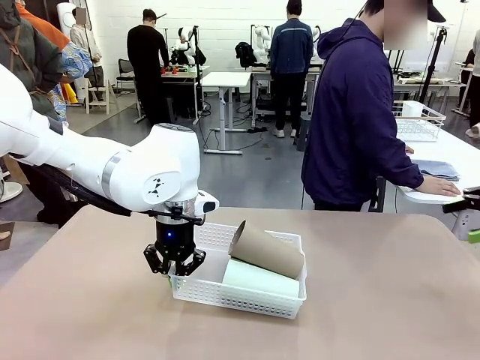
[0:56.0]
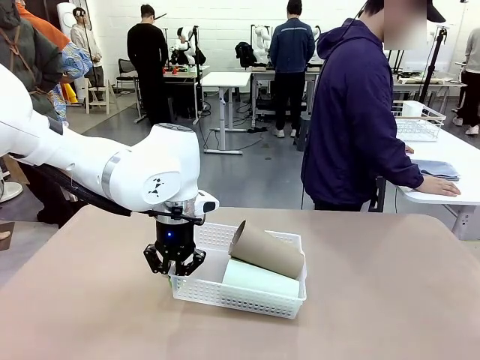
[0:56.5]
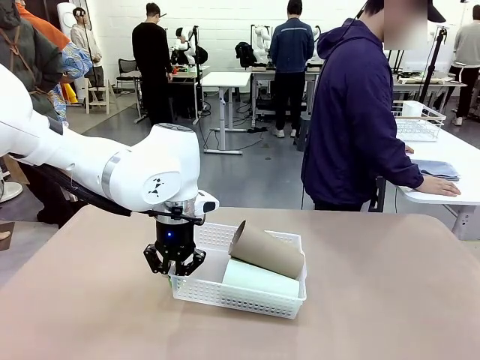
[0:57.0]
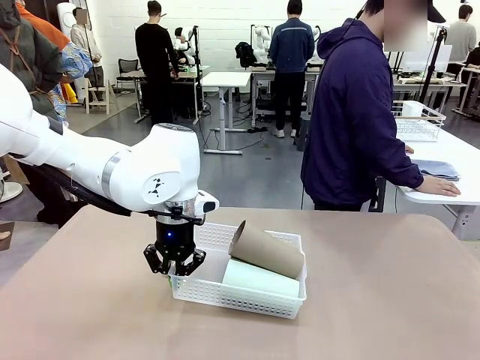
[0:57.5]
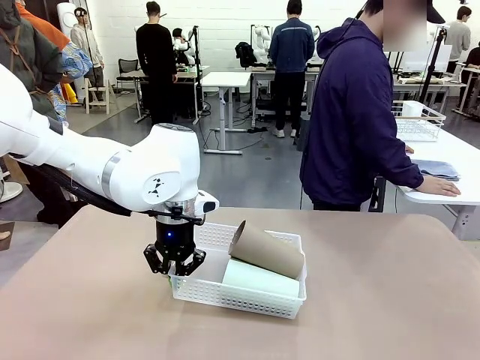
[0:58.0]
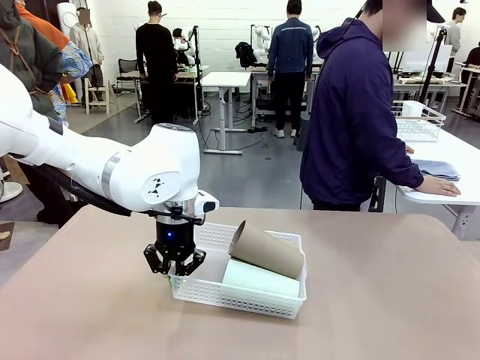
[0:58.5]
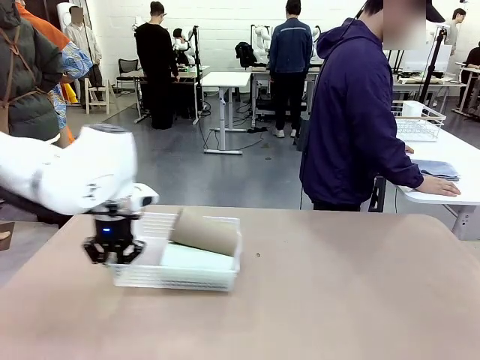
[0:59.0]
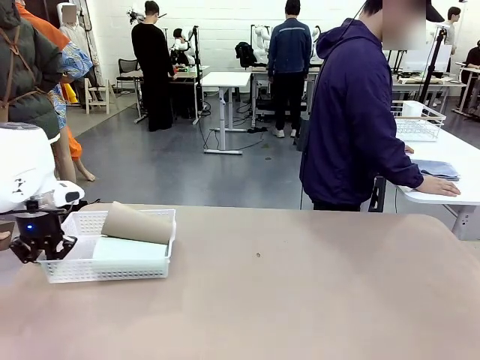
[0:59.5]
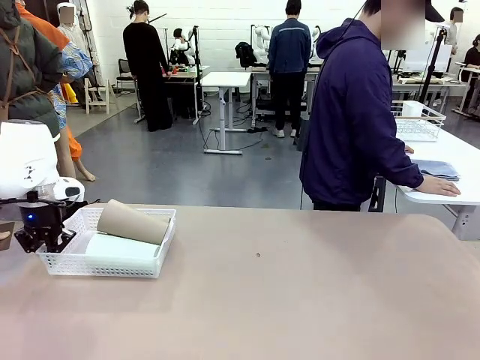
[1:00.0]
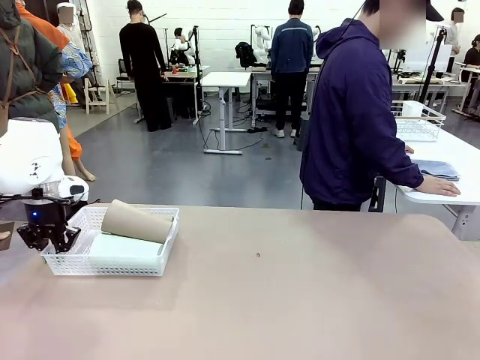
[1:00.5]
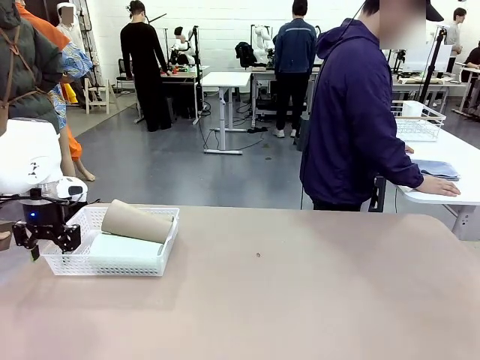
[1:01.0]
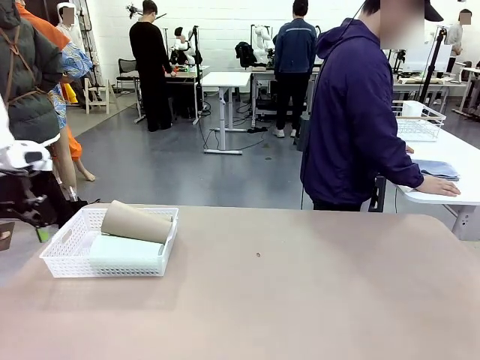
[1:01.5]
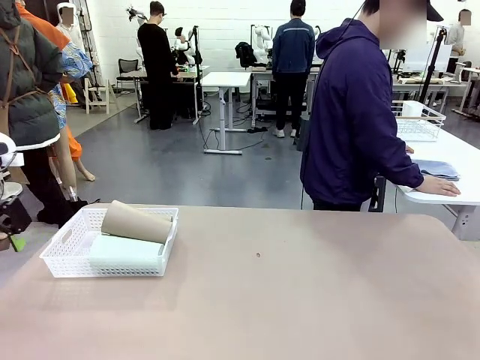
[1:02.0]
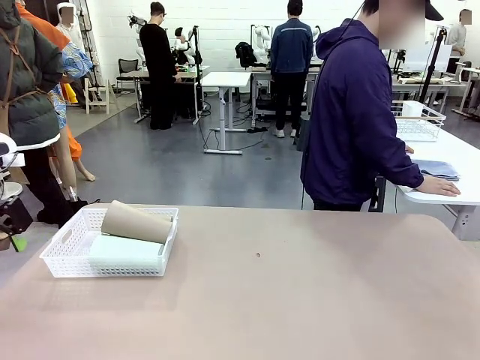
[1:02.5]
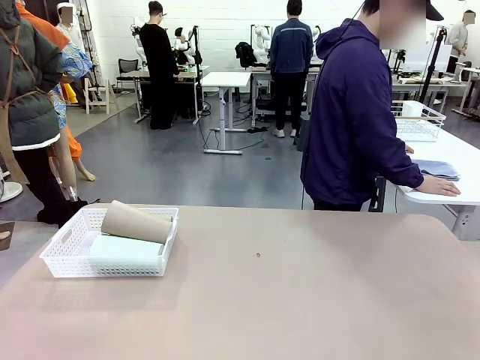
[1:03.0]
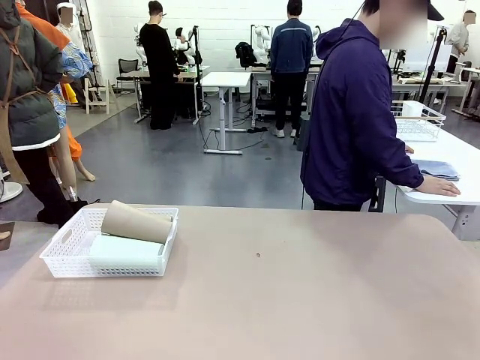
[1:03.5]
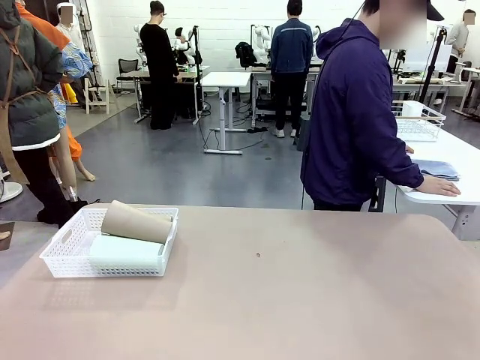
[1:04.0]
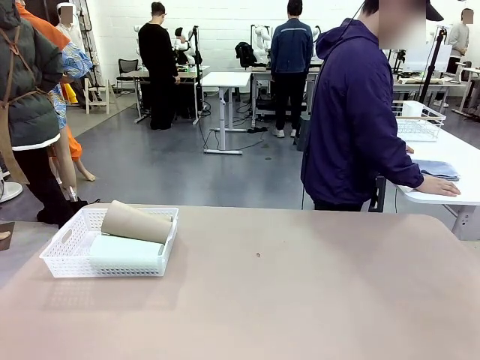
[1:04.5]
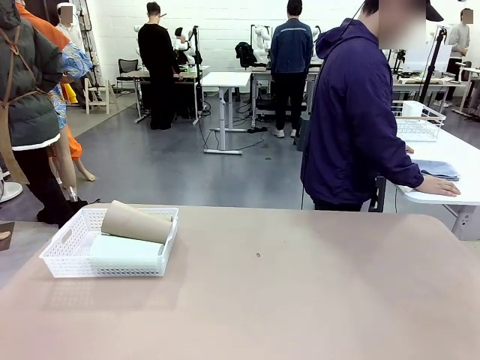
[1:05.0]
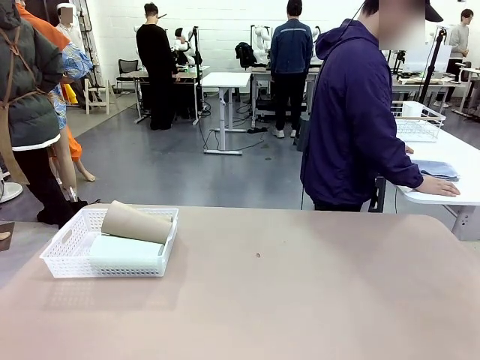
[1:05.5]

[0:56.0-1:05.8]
Task: Clean and organize the cups into the basket.
Robot: Move the Organizing basket back to the left side of the table.

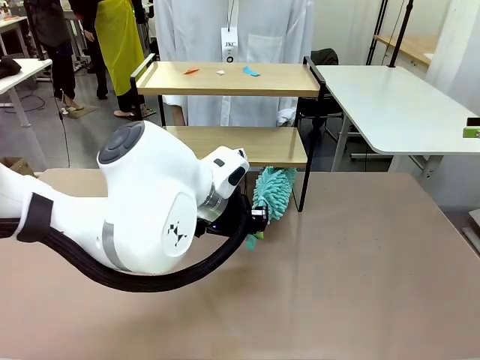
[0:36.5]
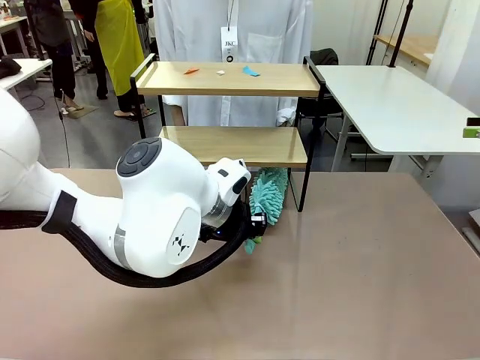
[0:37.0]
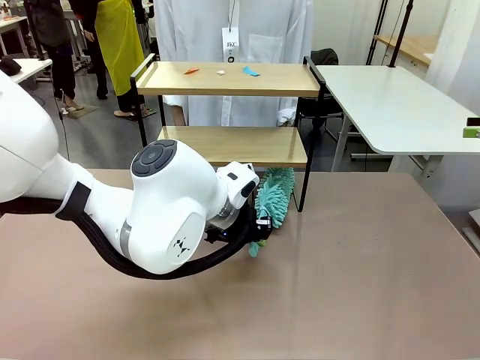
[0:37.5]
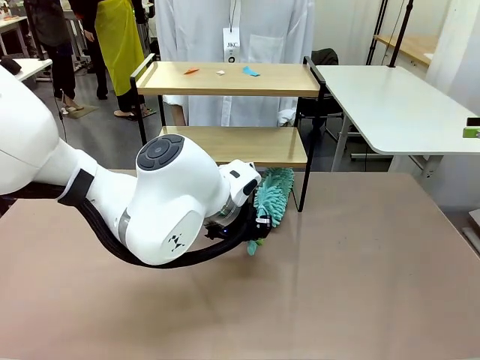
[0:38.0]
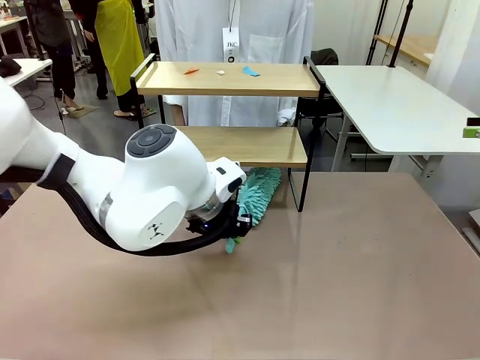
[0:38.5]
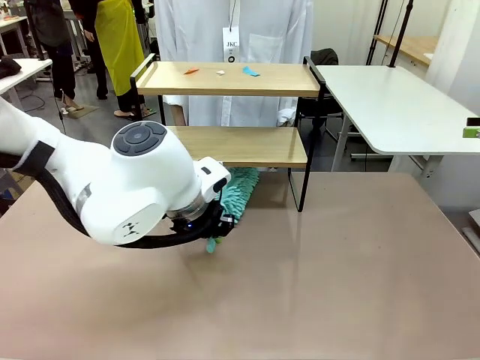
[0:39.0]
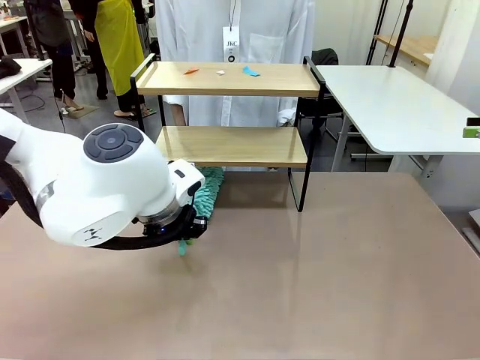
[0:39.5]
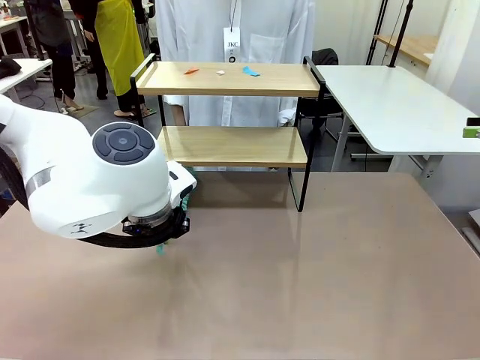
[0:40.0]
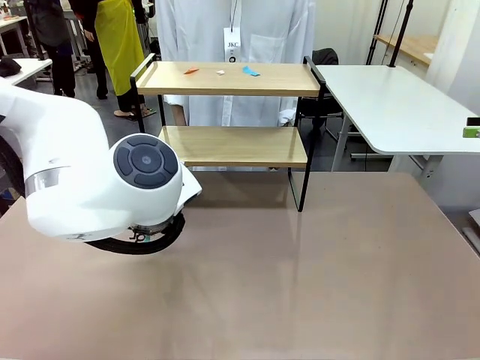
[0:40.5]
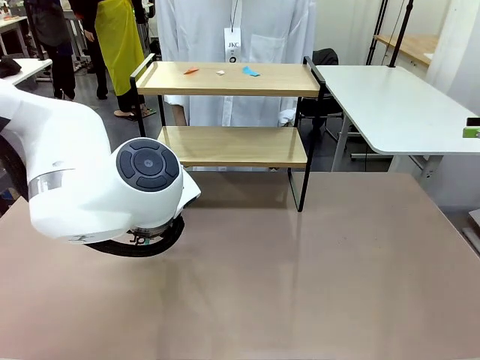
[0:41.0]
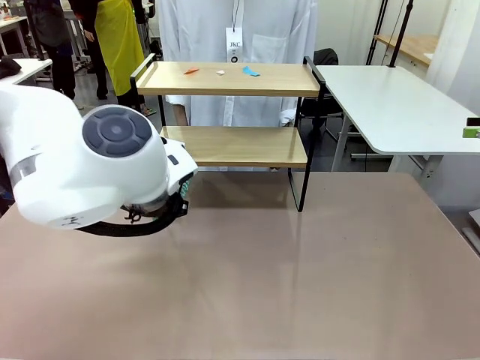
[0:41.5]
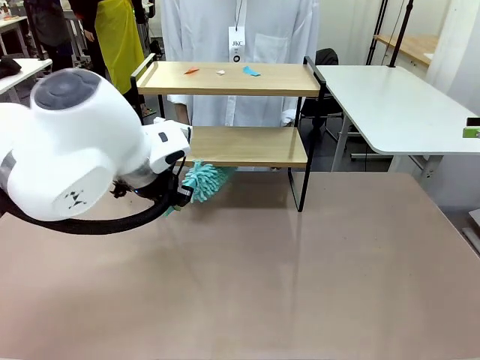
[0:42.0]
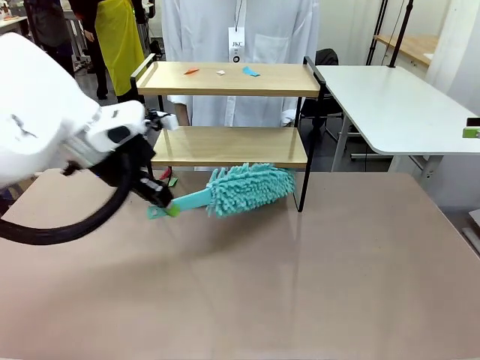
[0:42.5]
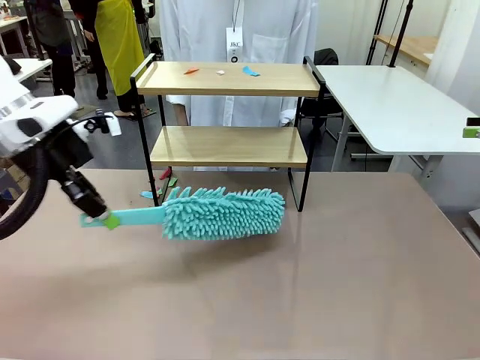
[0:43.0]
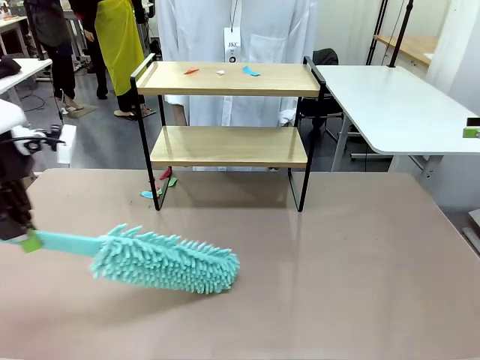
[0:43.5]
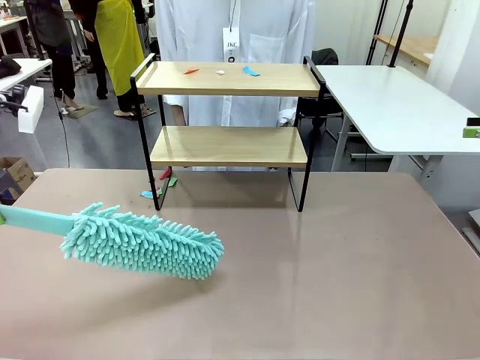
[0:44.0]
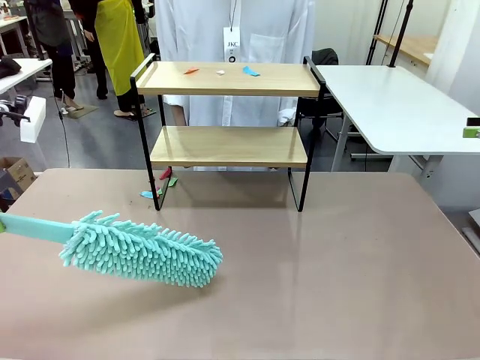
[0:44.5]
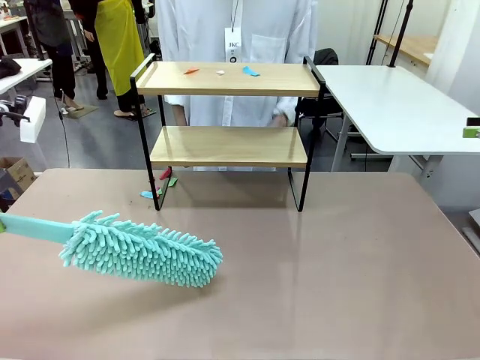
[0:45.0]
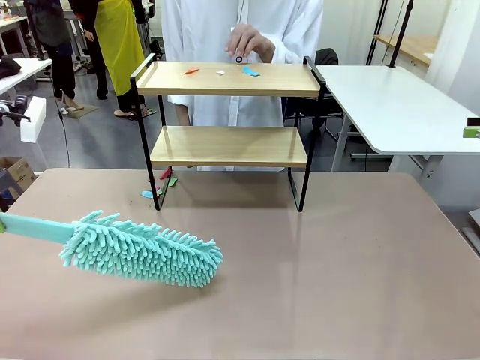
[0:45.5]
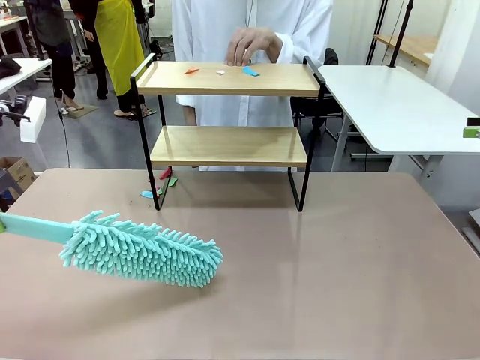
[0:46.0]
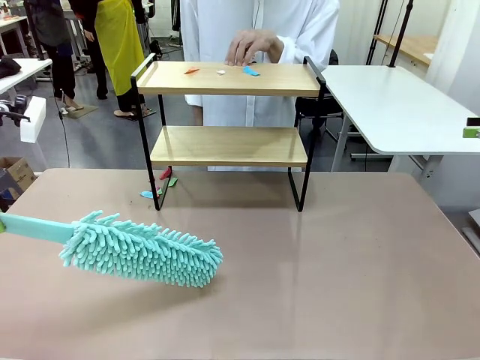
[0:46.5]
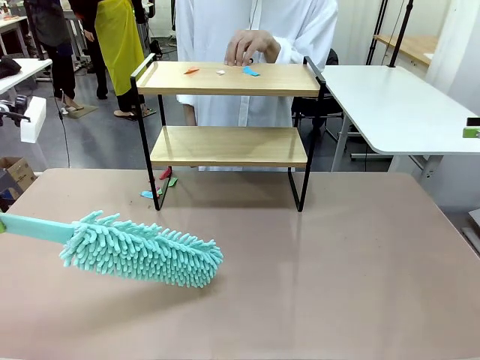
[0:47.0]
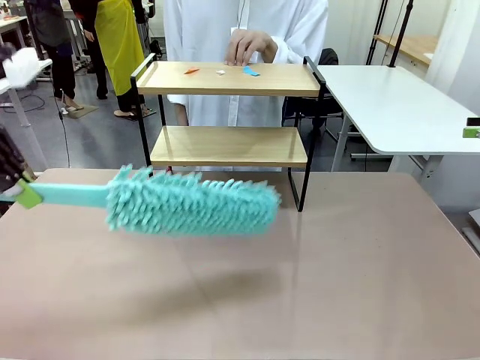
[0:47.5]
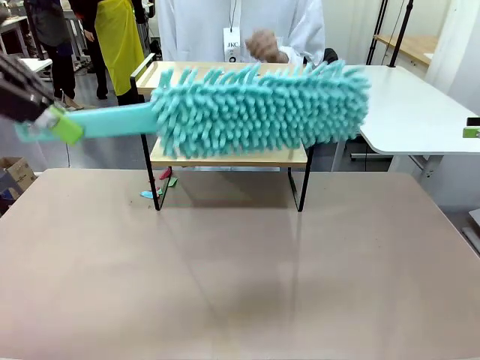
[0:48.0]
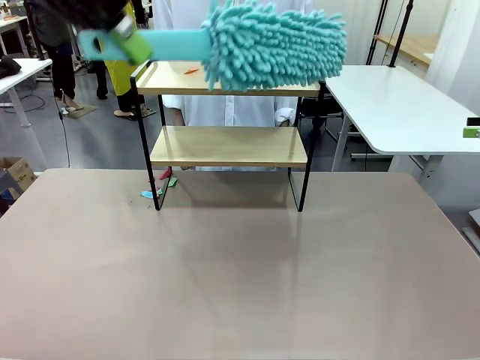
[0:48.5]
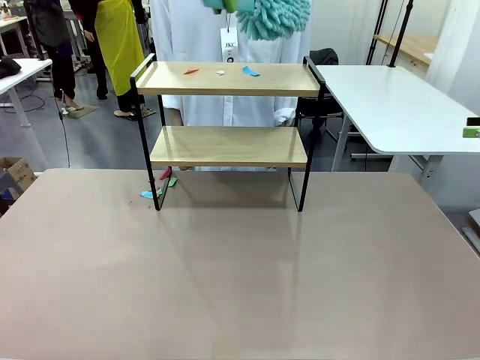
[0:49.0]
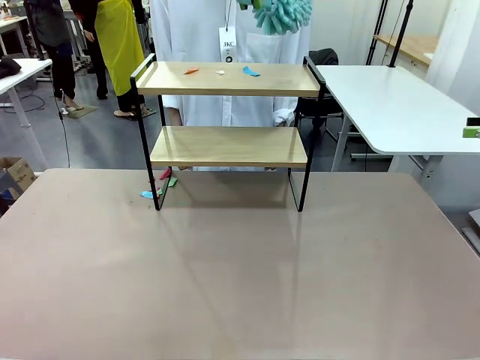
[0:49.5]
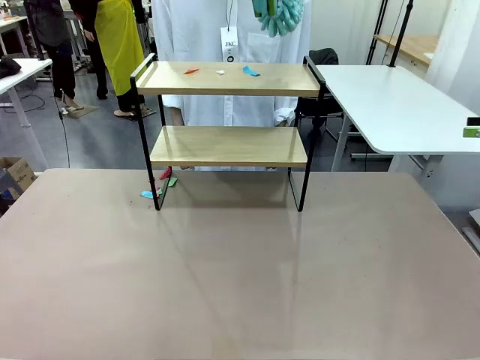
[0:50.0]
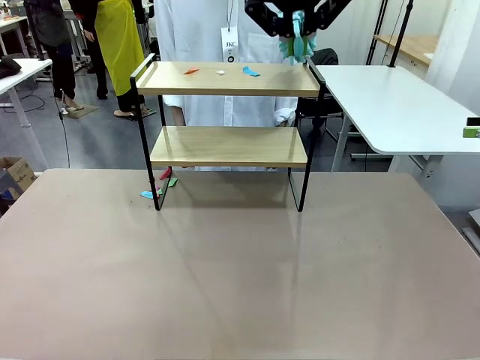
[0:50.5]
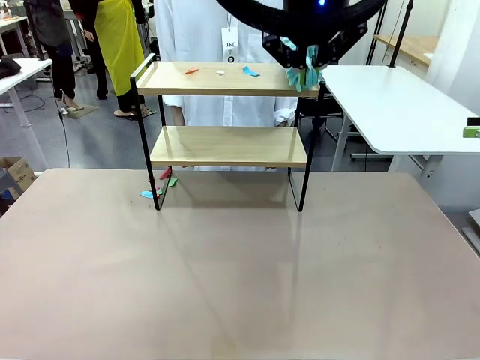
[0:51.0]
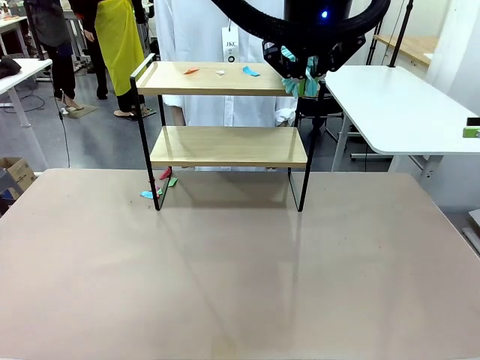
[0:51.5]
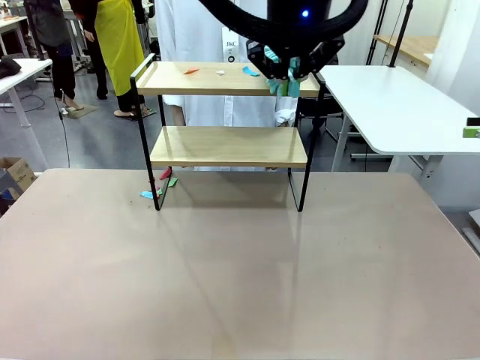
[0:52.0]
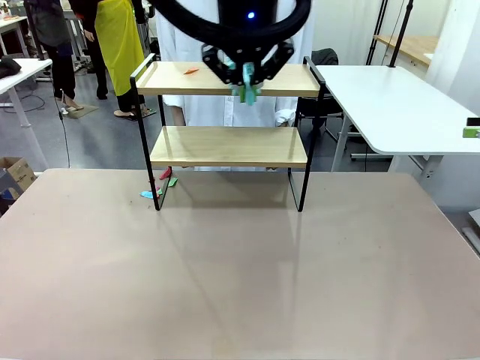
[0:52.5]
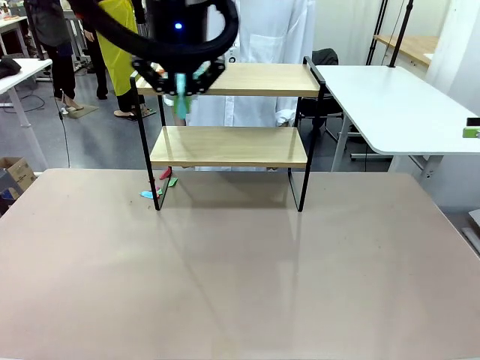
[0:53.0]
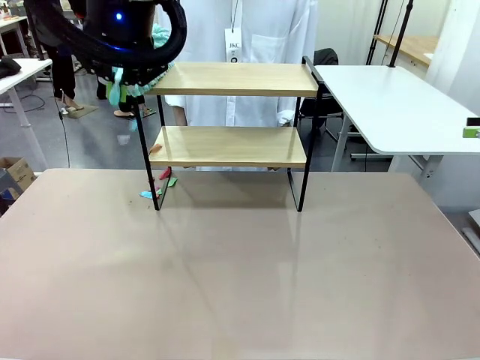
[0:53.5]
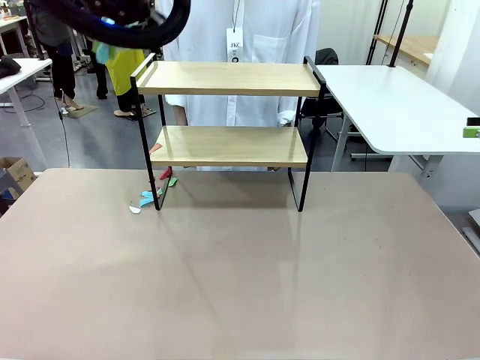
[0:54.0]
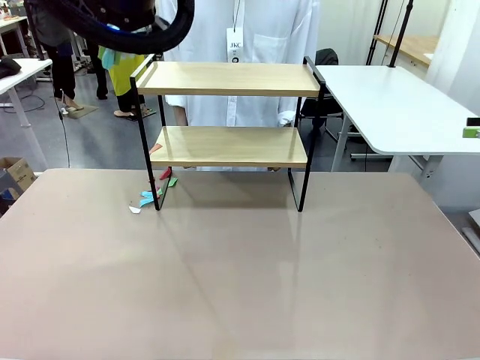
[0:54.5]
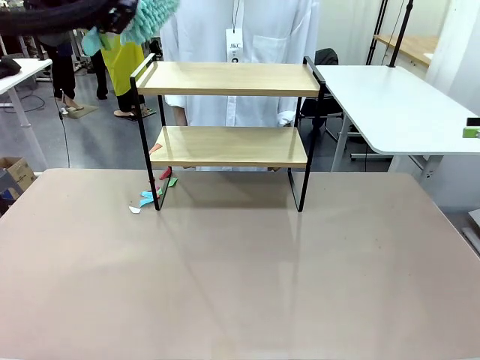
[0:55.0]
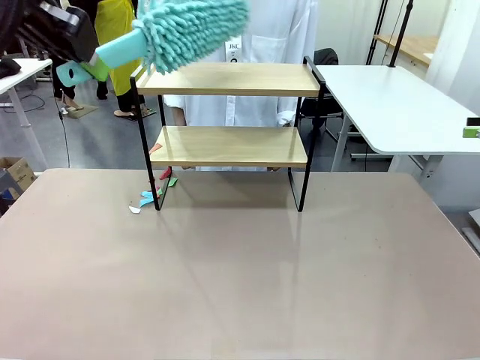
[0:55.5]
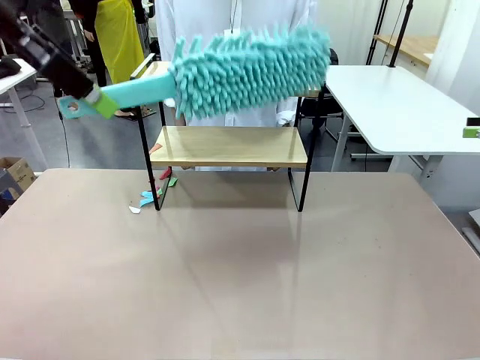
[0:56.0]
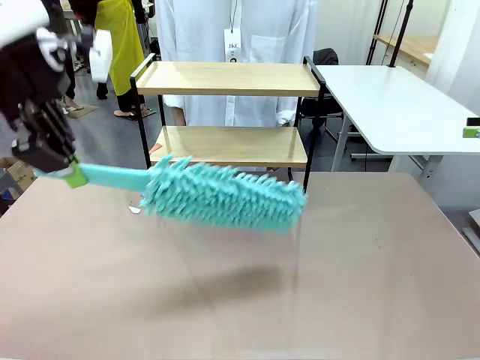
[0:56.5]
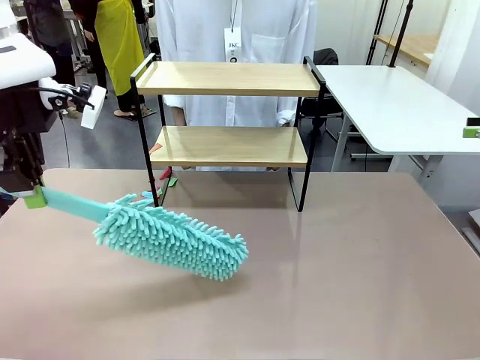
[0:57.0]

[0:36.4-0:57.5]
Task: Clean the shelf.
Robot: Clean the specific section of the Shelf indicated by the human with the Duster.
Person: Point a remaining section of the Shelf.
